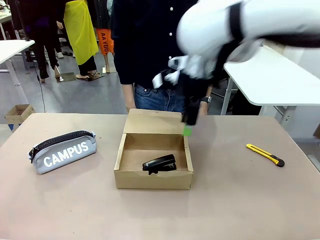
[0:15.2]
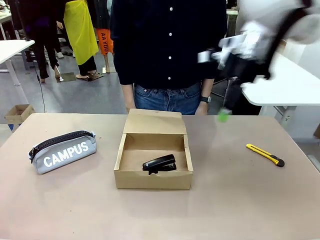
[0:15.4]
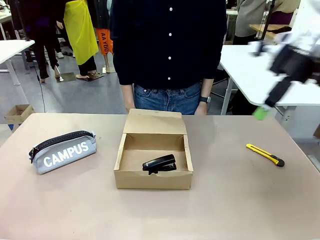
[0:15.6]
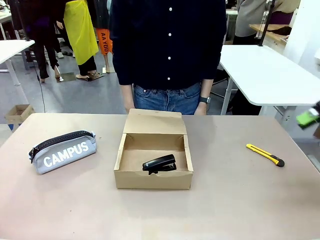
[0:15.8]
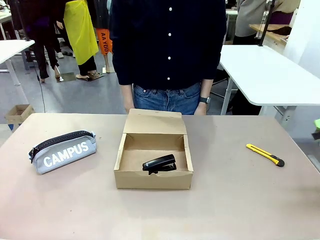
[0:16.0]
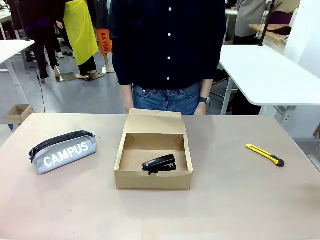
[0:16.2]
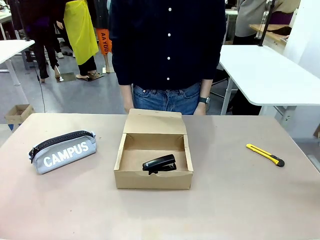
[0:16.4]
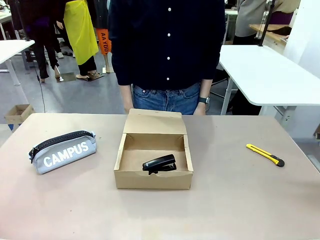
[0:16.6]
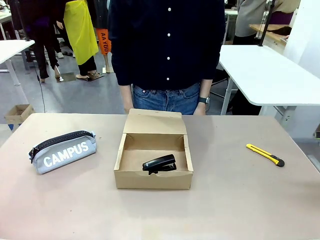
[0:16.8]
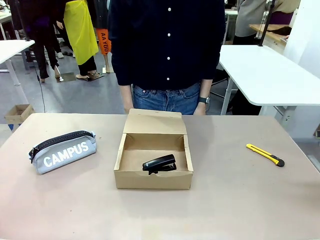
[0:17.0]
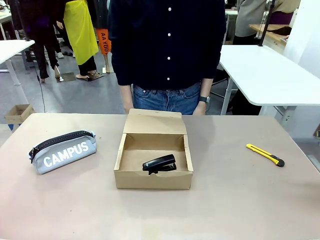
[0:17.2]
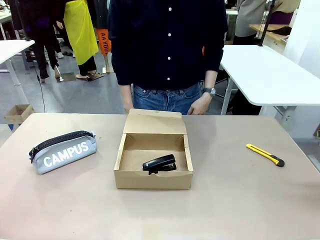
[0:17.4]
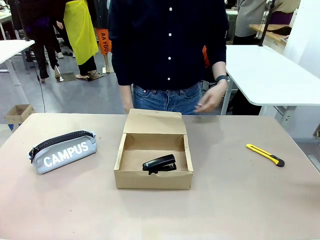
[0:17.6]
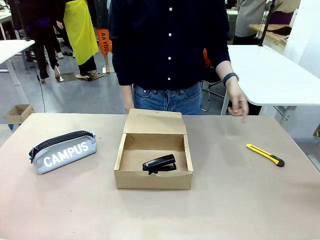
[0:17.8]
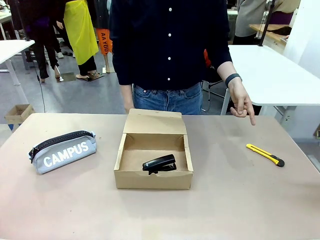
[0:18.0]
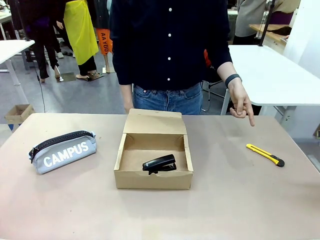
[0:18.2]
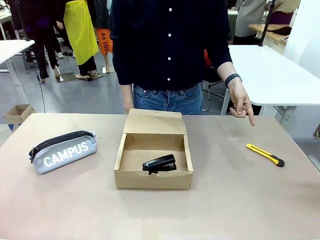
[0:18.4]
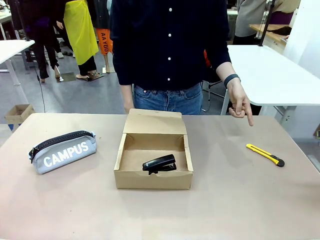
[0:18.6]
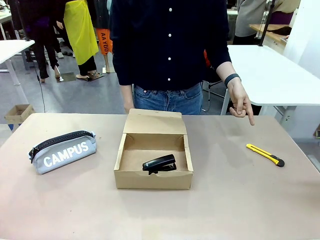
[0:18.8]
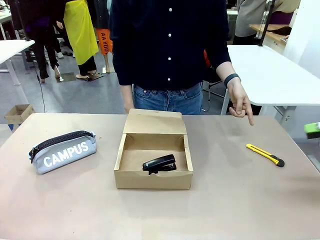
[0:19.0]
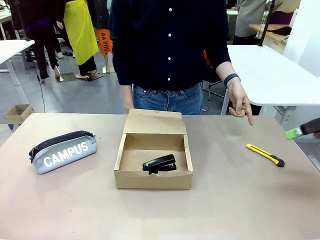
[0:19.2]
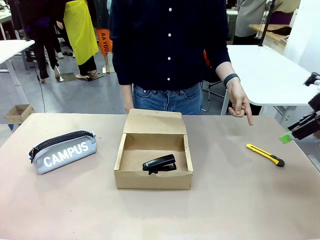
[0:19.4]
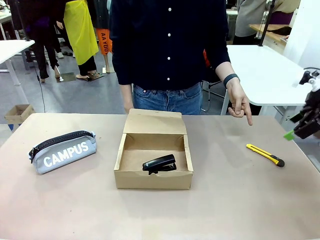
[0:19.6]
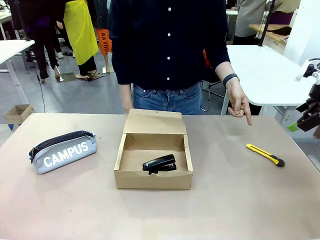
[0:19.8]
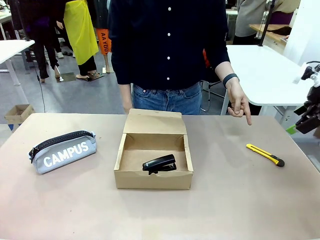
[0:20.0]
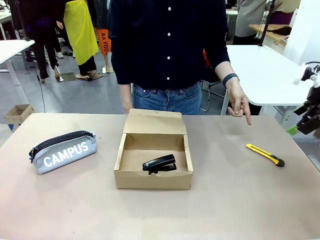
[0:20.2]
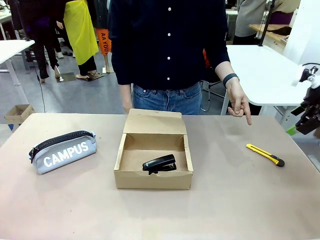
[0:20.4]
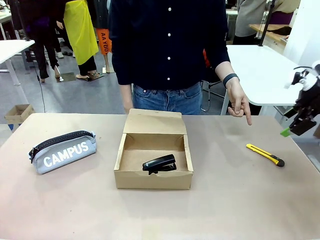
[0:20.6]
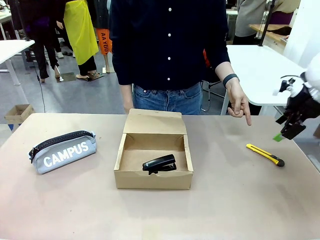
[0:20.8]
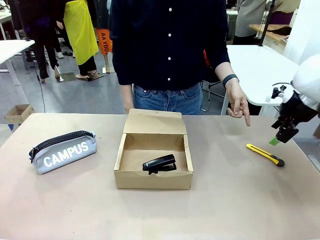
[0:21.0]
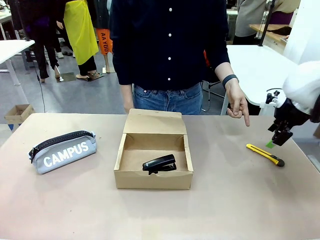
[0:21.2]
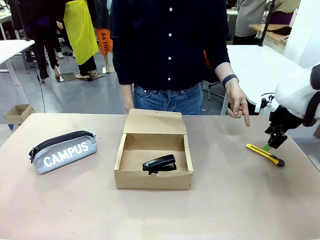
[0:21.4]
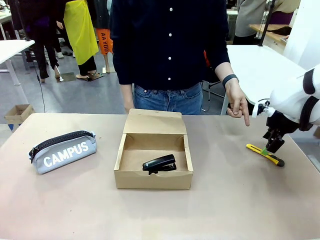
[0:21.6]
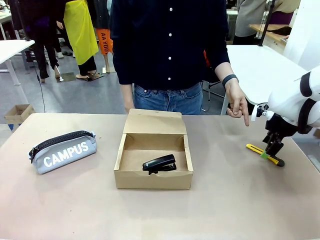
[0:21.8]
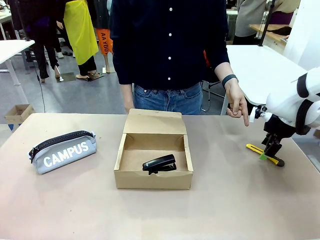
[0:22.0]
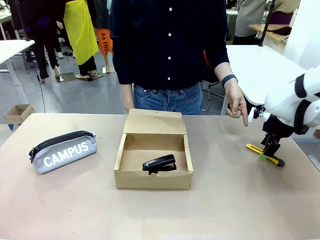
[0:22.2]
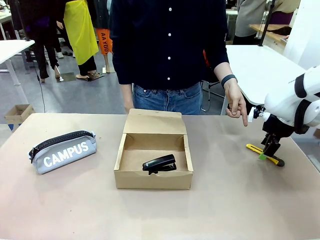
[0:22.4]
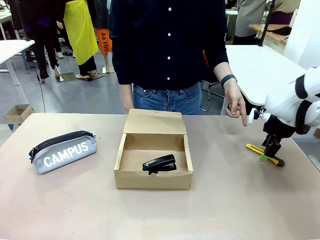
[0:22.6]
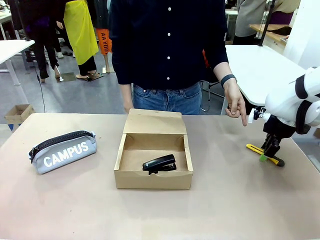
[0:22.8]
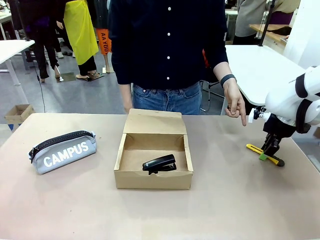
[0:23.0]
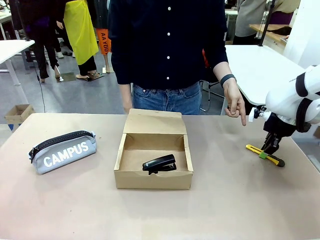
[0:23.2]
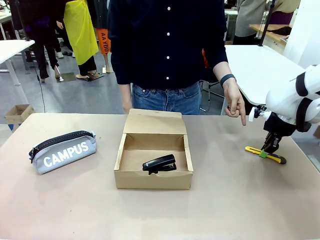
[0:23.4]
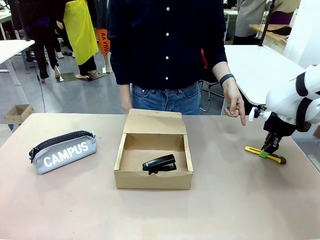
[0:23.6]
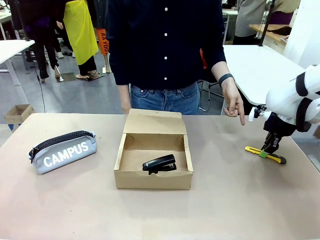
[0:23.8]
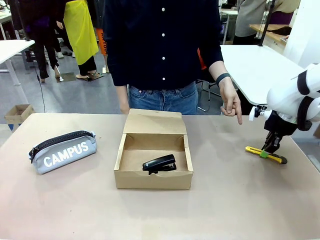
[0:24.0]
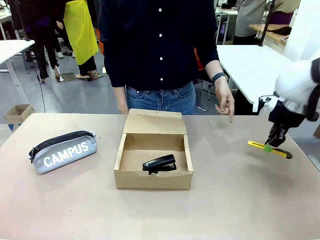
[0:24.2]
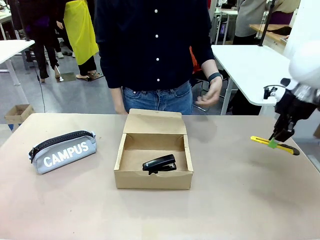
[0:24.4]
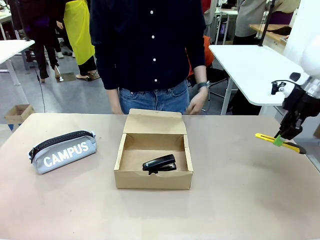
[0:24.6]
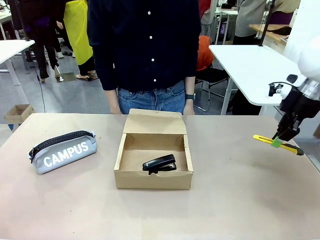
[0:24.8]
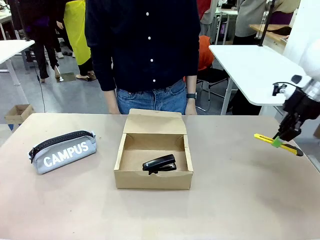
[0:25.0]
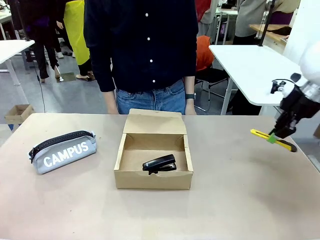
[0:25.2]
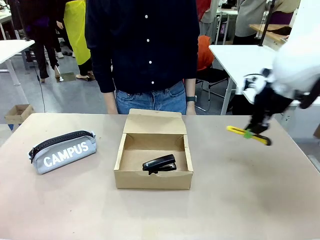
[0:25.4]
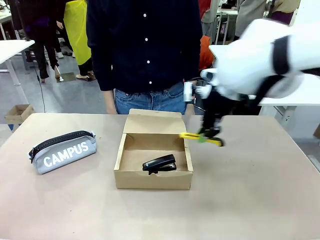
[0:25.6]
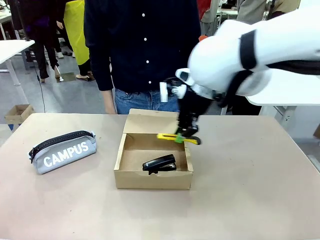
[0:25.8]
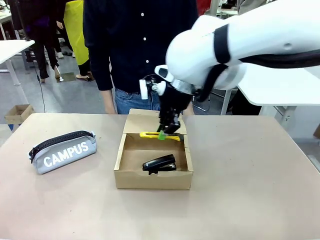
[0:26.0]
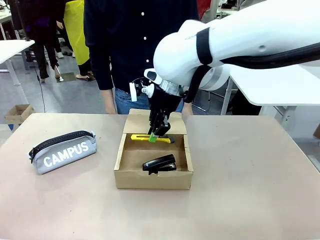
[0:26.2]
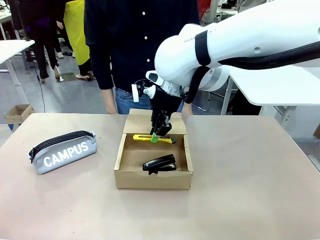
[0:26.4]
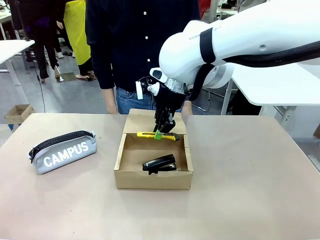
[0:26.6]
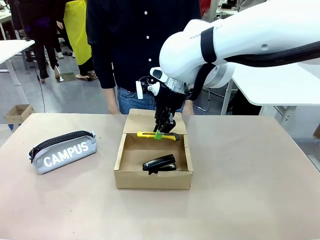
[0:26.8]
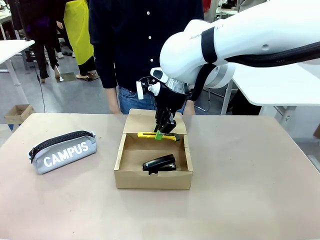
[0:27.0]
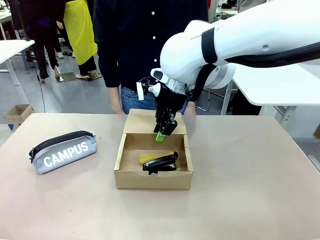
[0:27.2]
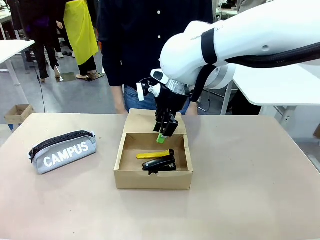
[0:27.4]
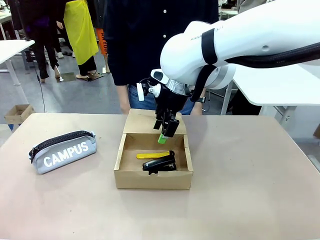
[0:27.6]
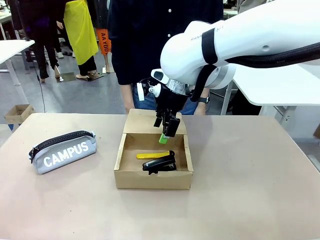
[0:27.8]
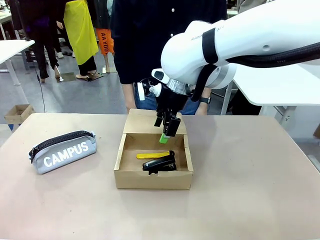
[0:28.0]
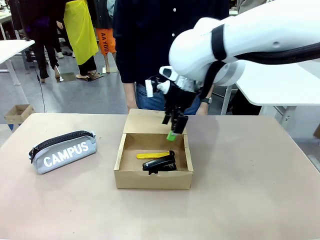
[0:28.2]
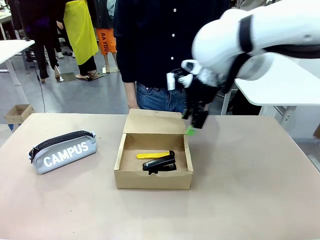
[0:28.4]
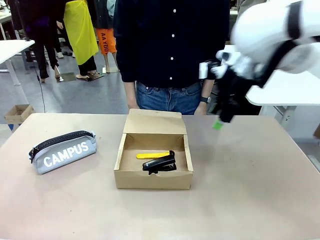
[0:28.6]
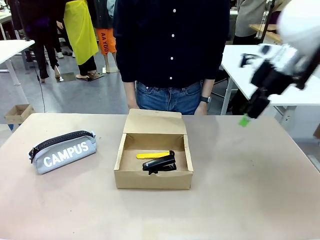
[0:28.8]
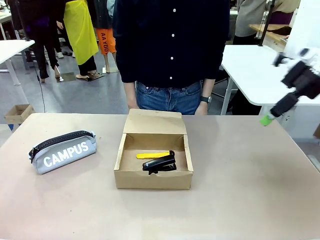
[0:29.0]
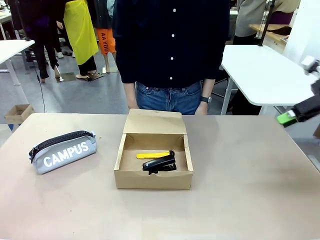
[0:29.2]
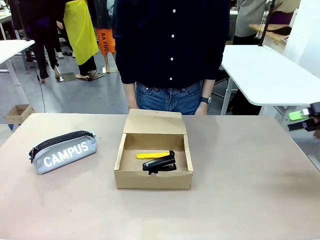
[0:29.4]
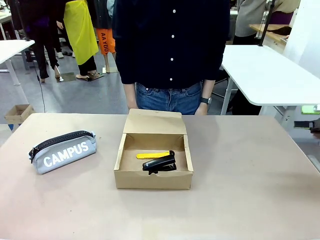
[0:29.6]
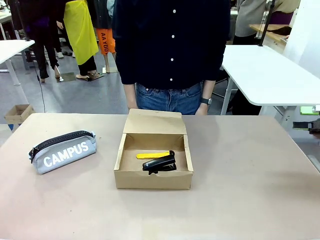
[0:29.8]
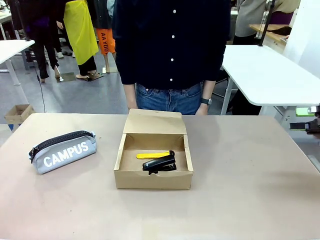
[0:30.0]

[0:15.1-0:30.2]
Task: Pack the items into the box.
Robot: Pick up the item specified by the human and place it in the Mailer Box.
